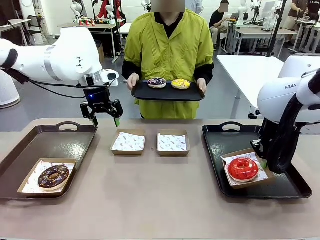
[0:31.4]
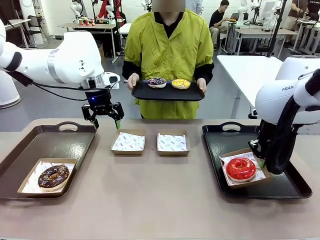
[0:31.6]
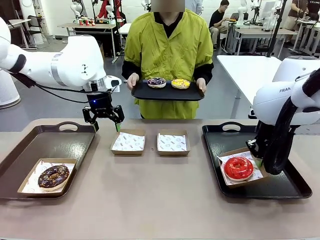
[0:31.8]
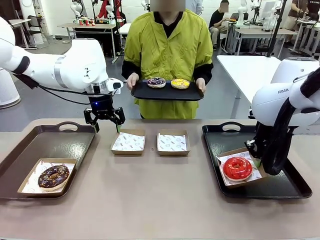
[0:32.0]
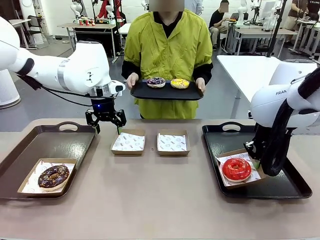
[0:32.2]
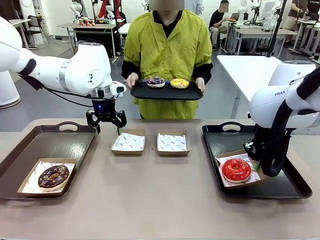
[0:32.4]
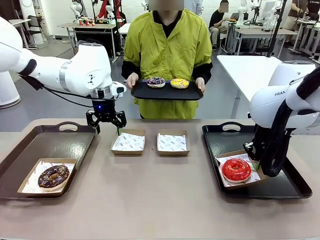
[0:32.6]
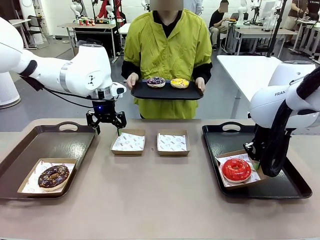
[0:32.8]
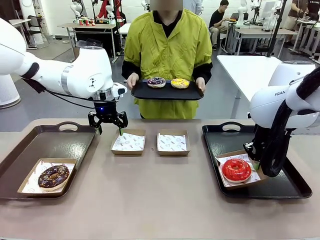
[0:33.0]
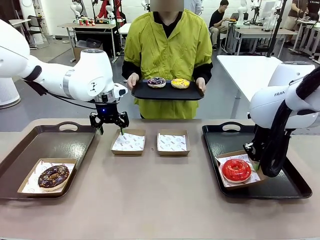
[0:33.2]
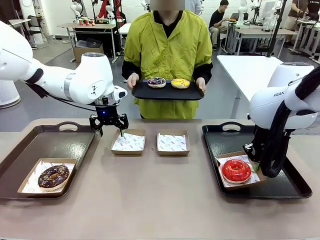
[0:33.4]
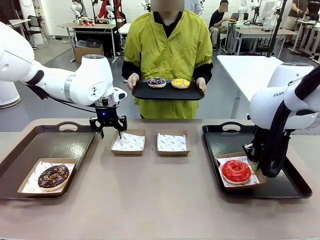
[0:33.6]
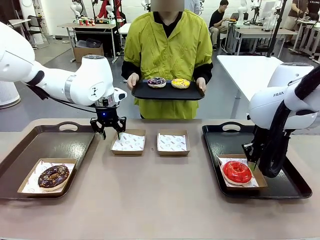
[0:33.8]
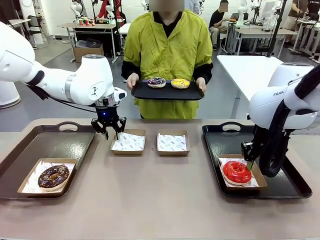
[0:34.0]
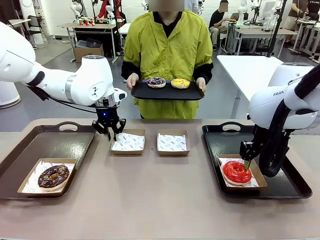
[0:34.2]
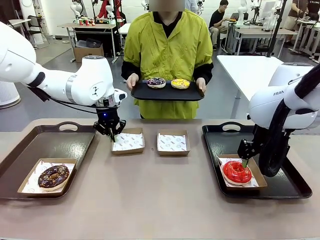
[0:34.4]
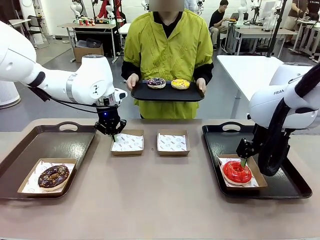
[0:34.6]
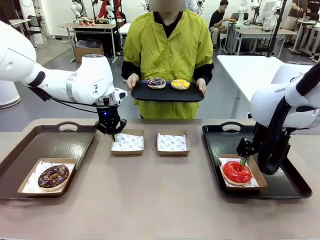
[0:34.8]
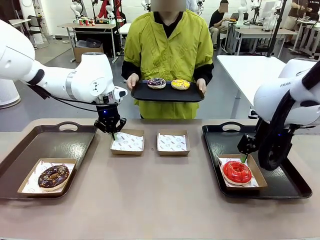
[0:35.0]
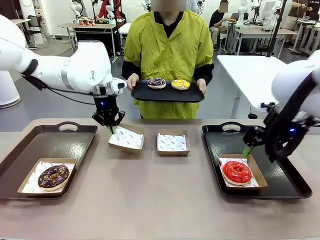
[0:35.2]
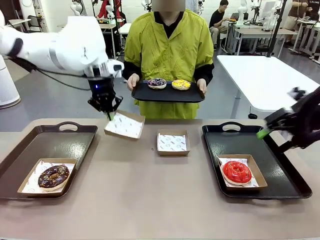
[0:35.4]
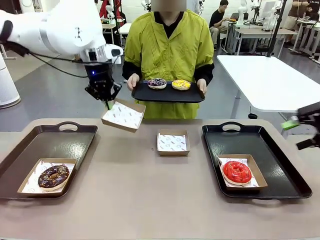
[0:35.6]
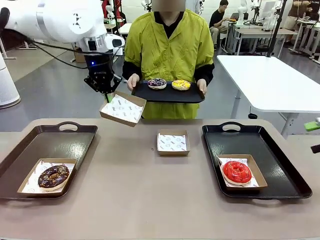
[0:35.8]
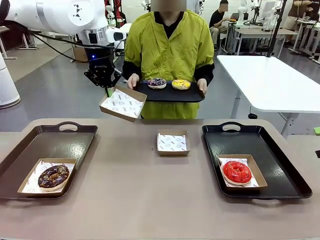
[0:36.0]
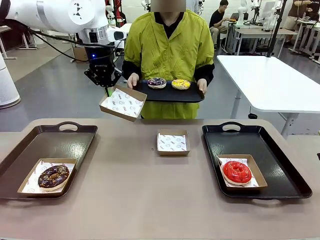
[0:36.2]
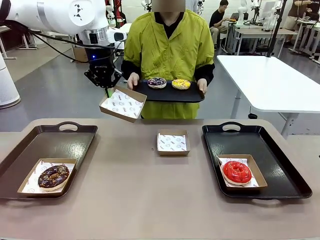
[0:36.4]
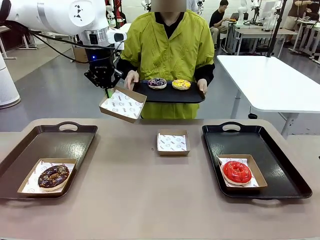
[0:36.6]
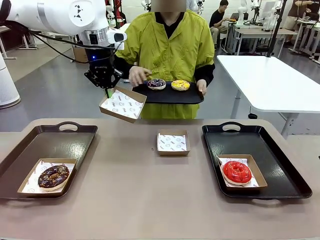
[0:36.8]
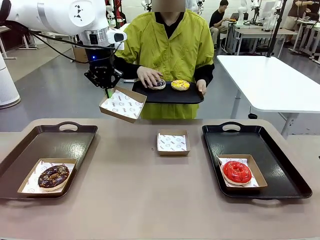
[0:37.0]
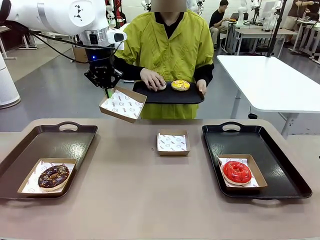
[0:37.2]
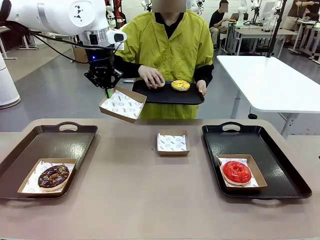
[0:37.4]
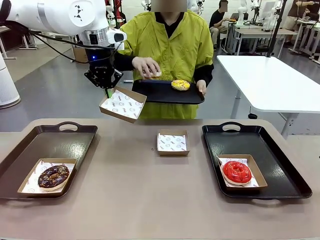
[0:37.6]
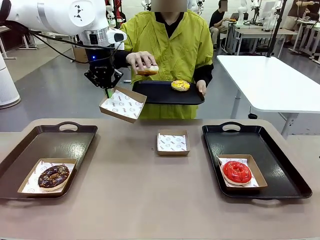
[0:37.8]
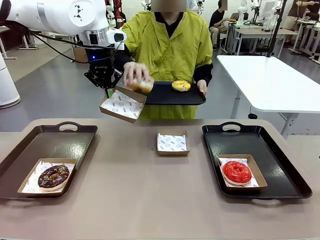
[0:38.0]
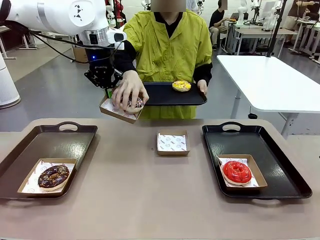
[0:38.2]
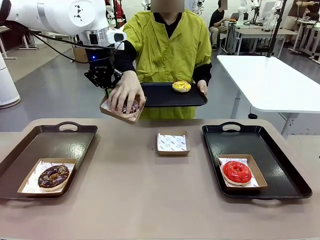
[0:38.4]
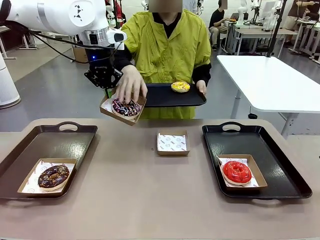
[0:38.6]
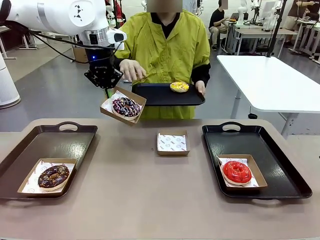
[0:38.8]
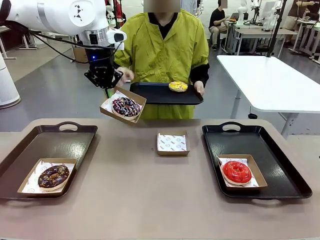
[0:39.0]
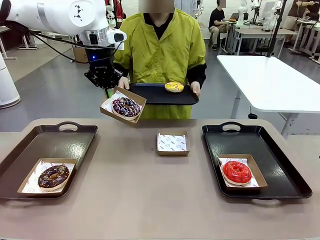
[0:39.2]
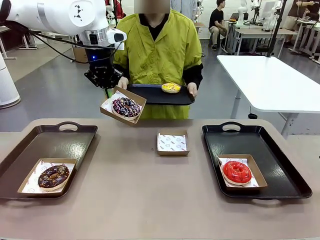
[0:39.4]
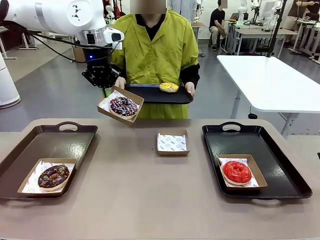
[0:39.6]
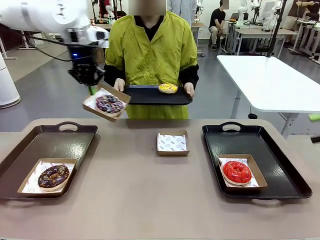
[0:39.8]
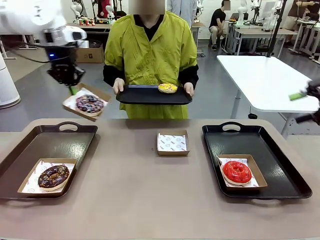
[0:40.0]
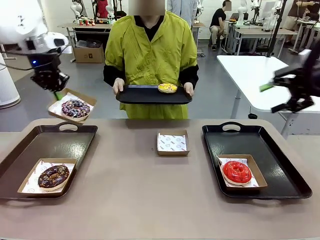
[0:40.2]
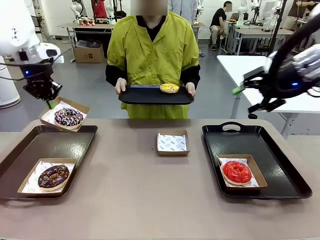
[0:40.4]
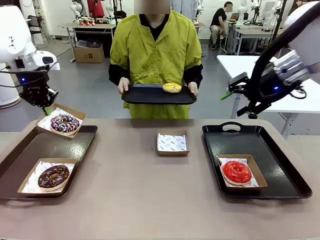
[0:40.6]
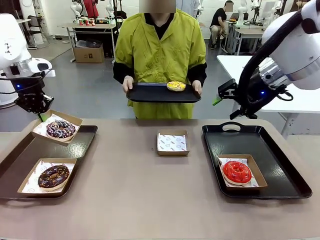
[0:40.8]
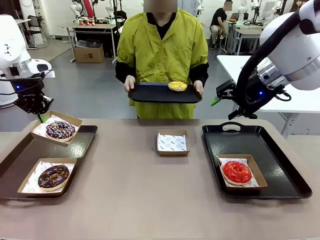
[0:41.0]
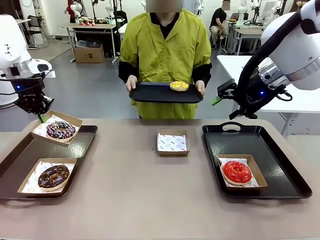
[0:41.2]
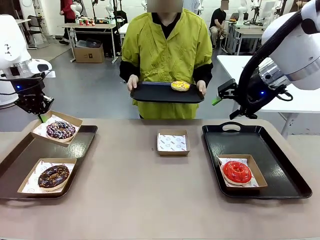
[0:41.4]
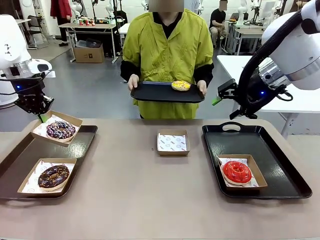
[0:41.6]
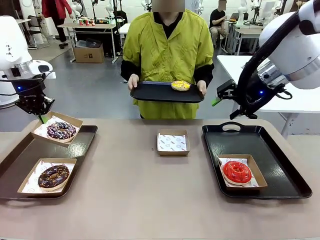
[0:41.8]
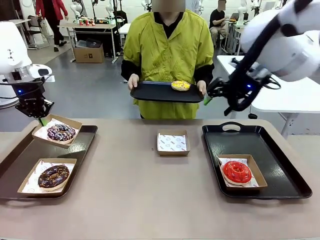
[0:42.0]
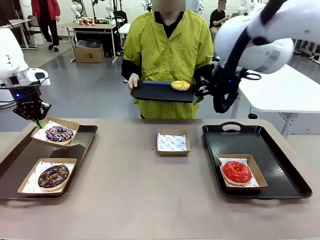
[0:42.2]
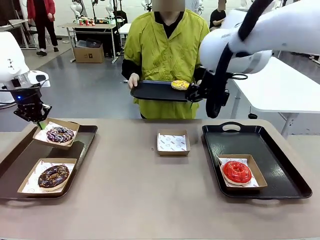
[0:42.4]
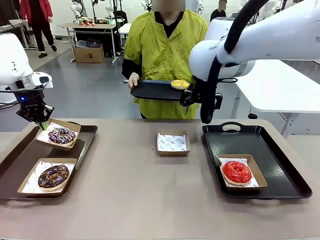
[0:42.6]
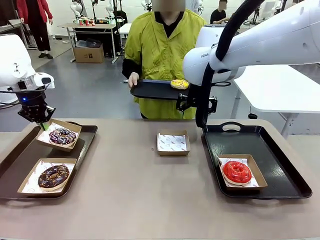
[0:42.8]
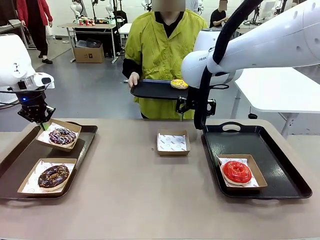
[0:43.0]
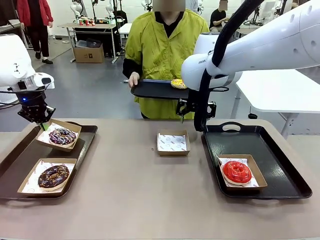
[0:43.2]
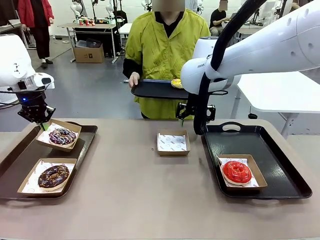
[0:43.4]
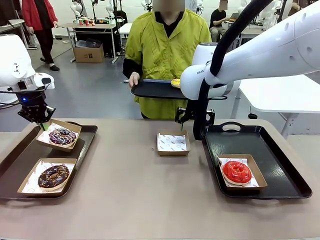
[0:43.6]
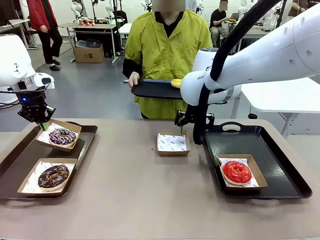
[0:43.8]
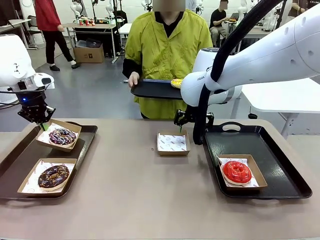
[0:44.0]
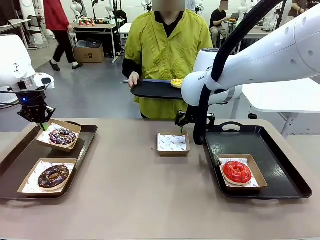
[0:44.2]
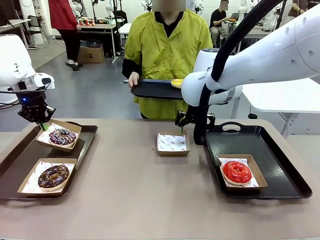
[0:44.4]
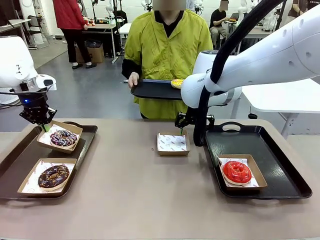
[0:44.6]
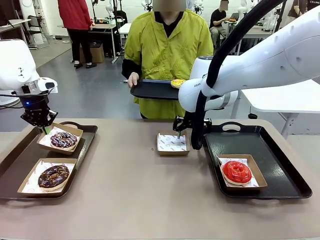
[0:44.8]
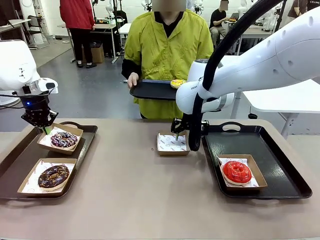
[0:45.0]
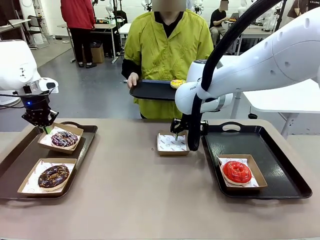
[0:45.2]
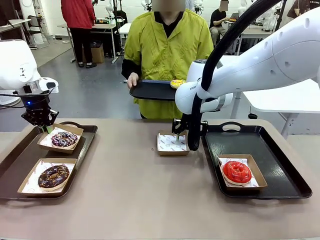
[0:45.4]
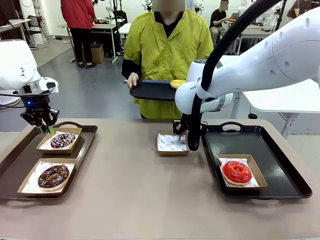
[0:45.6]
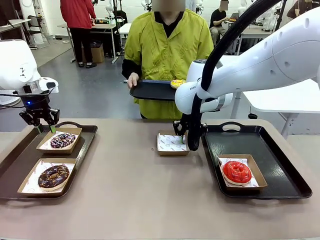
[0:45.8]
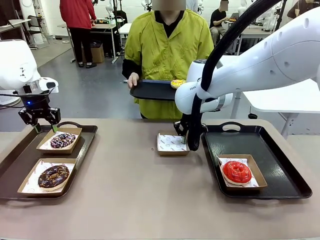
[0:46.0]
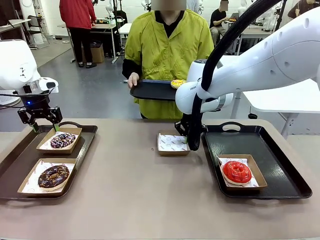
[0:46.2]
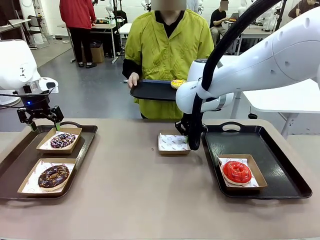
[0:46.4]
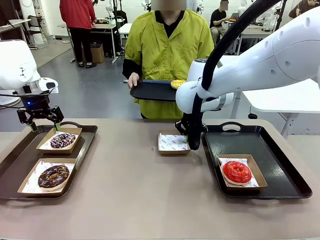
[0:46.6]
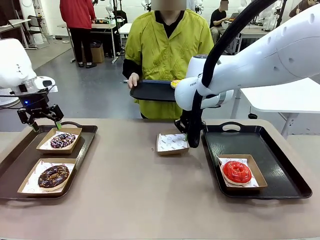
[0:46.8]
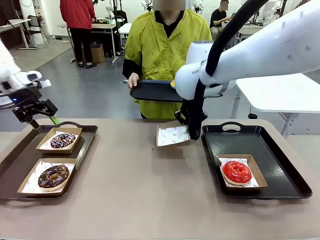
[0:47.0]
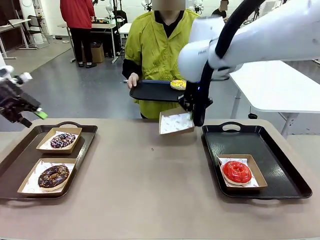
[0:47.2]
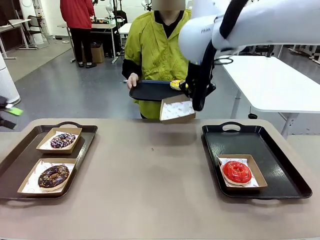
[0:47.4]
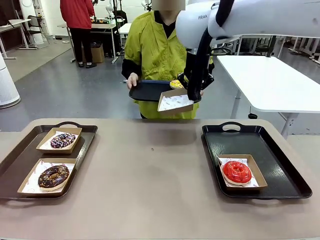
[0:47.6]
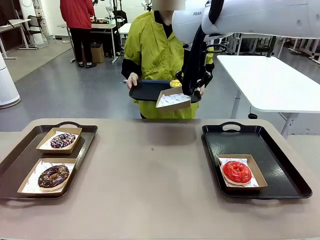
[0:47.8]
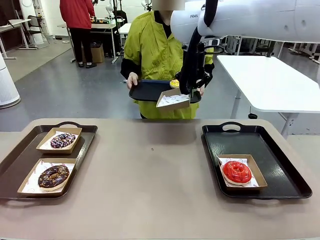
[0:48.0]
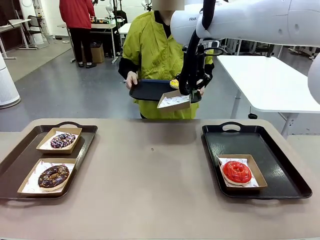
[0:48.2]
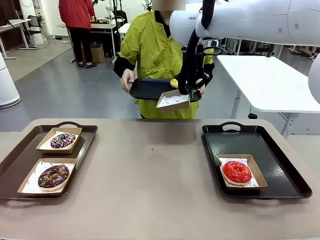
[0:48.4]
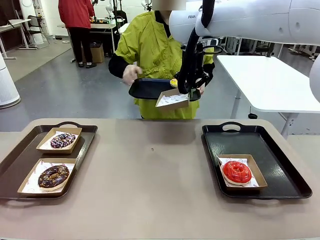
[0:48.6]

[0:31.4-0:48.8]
Task: Individually package the donuts and arrange them on the tray.
Robot: Place the picked Paper togo box on the Handle tray while simultaneously picking up another Paper togo box from the table with the other hand.
